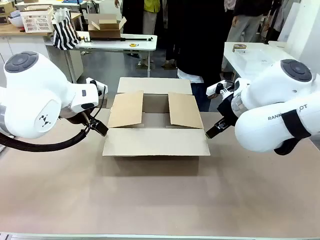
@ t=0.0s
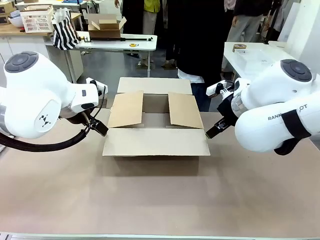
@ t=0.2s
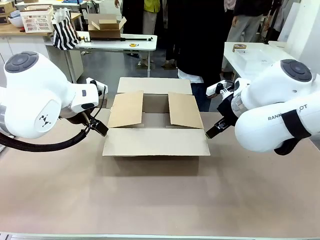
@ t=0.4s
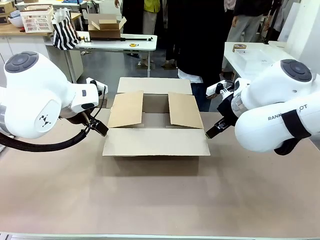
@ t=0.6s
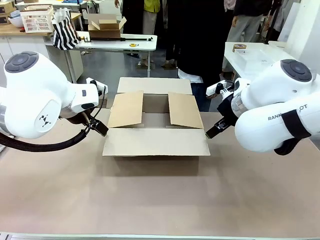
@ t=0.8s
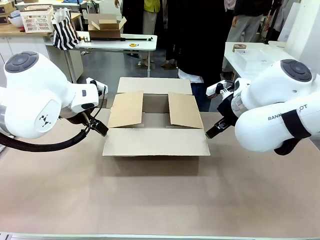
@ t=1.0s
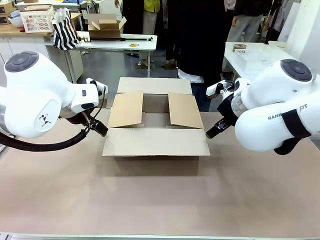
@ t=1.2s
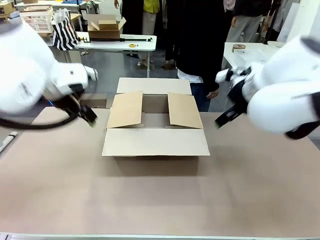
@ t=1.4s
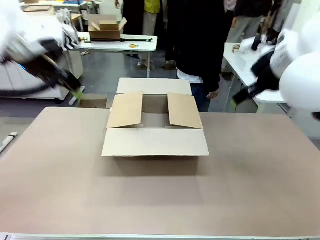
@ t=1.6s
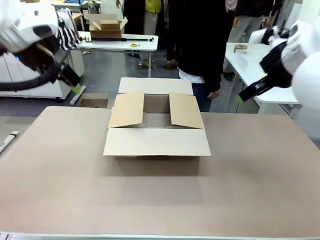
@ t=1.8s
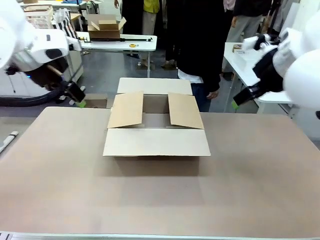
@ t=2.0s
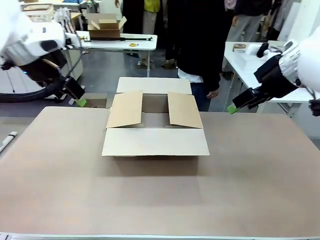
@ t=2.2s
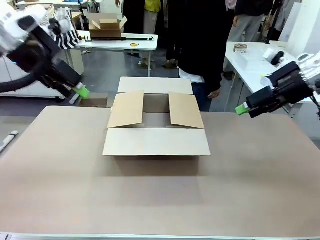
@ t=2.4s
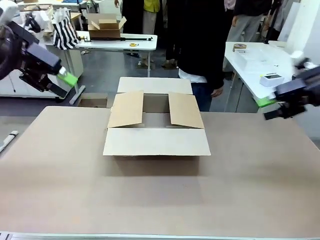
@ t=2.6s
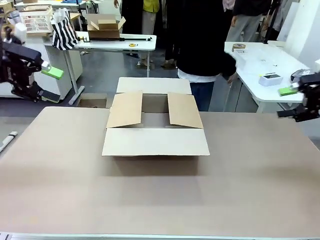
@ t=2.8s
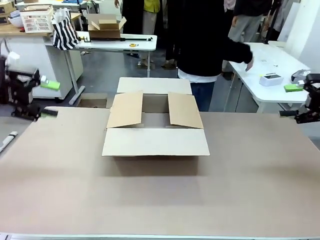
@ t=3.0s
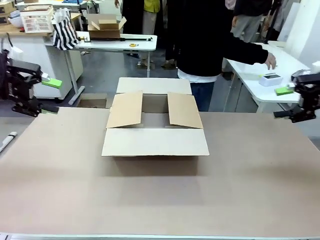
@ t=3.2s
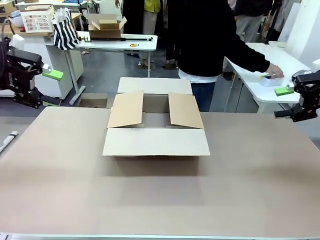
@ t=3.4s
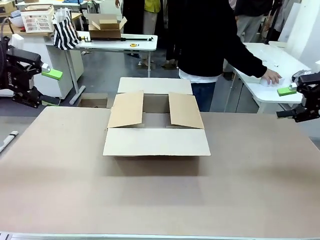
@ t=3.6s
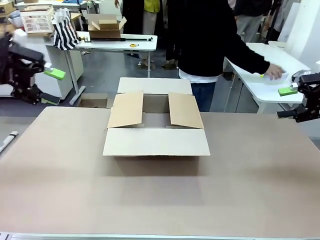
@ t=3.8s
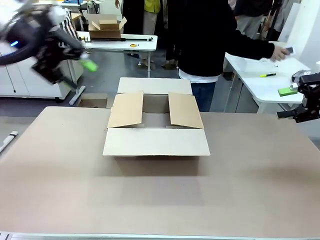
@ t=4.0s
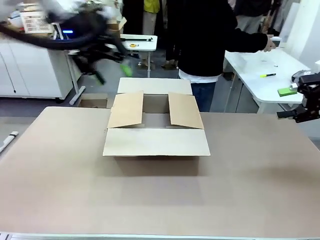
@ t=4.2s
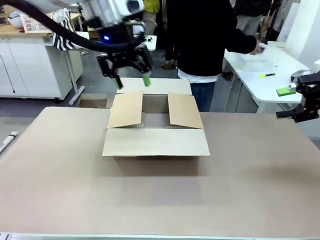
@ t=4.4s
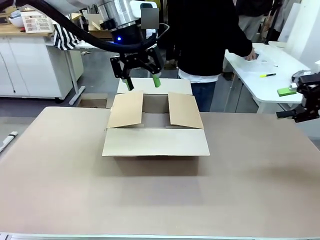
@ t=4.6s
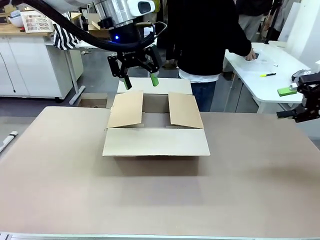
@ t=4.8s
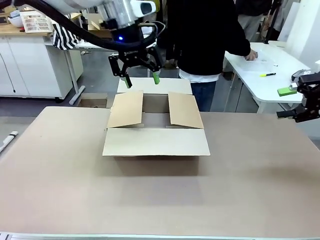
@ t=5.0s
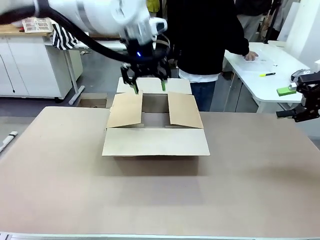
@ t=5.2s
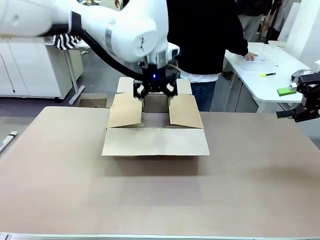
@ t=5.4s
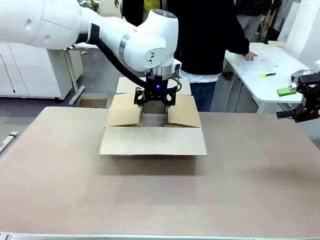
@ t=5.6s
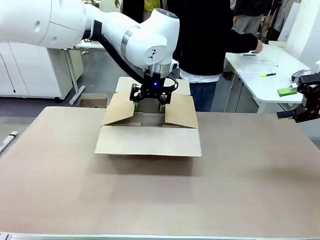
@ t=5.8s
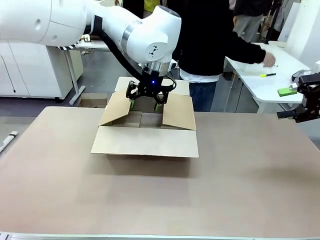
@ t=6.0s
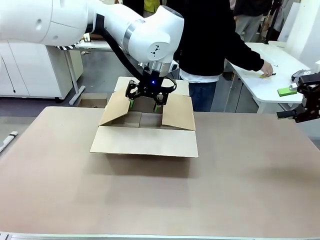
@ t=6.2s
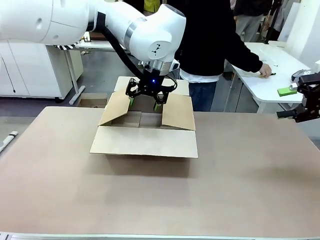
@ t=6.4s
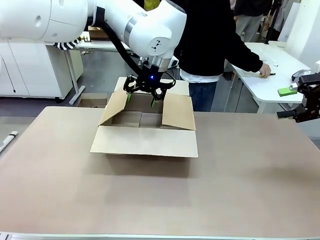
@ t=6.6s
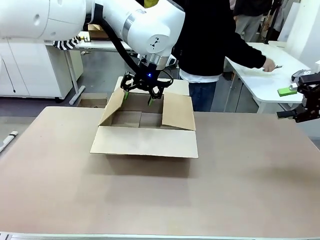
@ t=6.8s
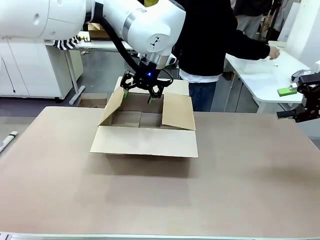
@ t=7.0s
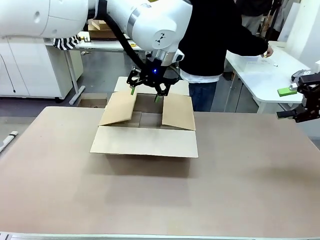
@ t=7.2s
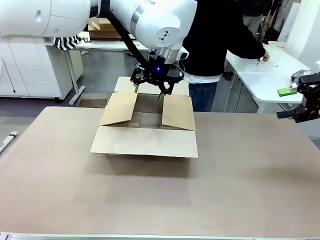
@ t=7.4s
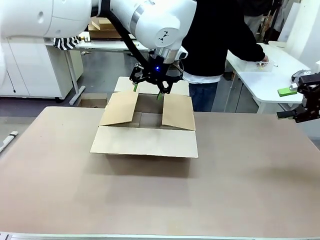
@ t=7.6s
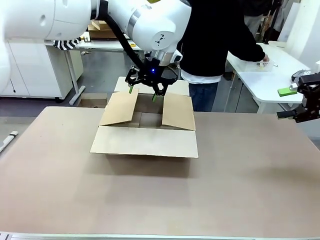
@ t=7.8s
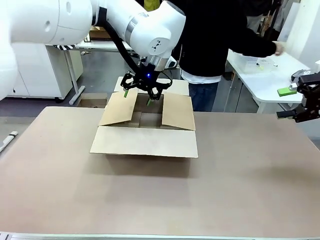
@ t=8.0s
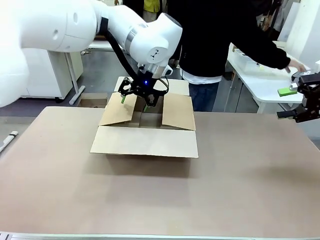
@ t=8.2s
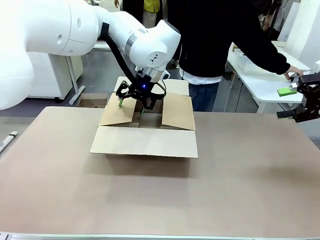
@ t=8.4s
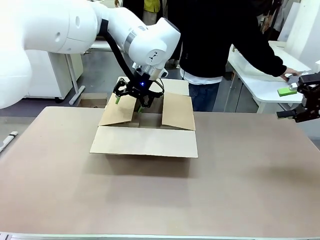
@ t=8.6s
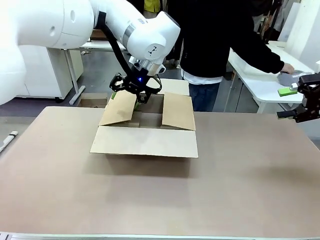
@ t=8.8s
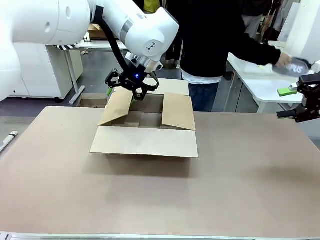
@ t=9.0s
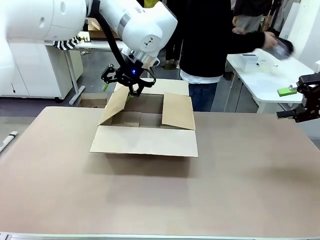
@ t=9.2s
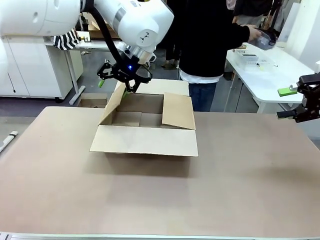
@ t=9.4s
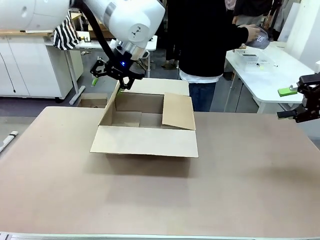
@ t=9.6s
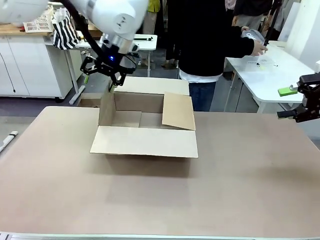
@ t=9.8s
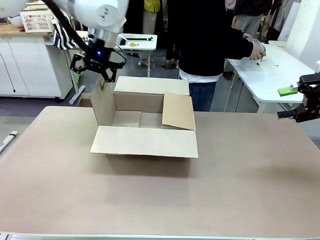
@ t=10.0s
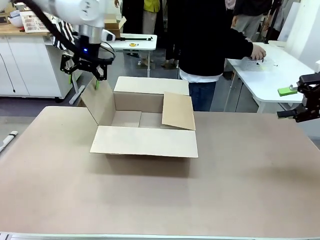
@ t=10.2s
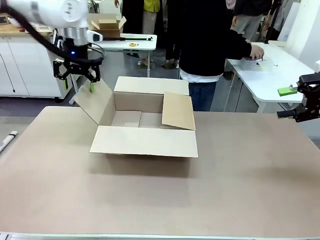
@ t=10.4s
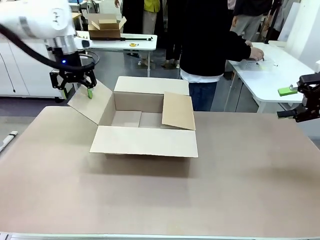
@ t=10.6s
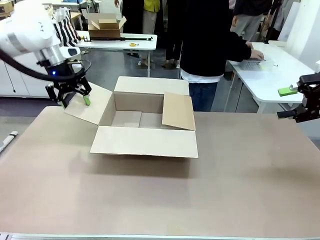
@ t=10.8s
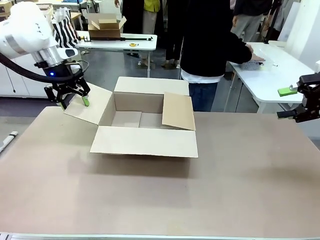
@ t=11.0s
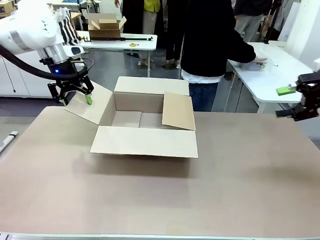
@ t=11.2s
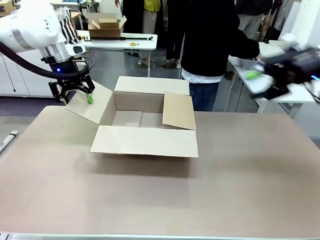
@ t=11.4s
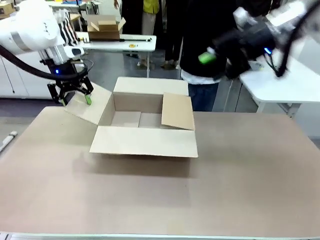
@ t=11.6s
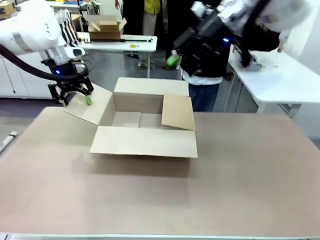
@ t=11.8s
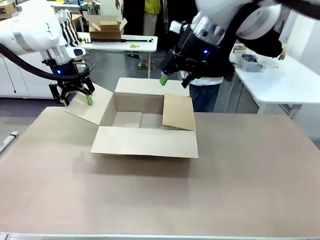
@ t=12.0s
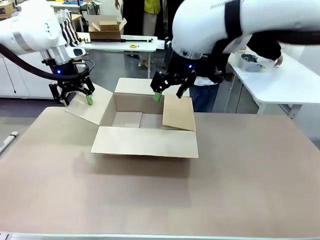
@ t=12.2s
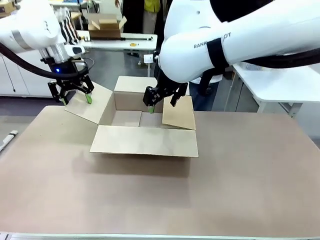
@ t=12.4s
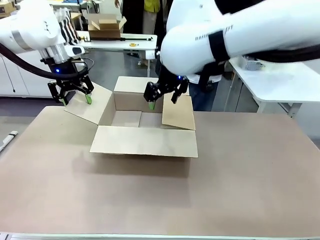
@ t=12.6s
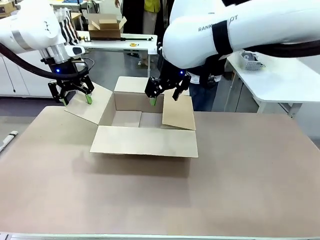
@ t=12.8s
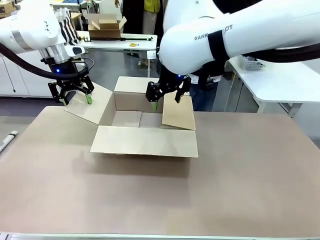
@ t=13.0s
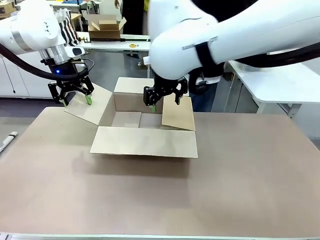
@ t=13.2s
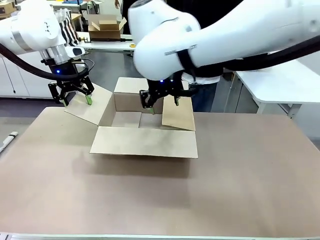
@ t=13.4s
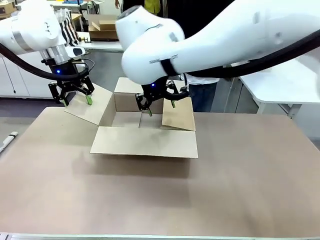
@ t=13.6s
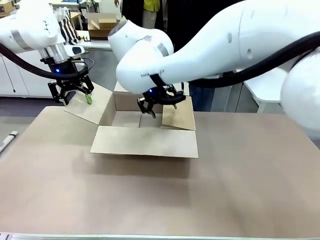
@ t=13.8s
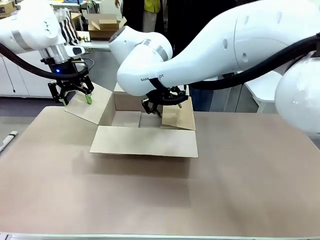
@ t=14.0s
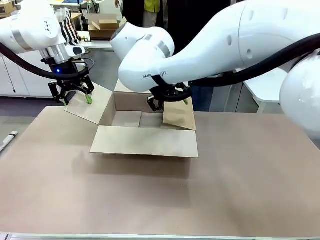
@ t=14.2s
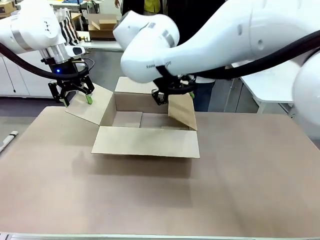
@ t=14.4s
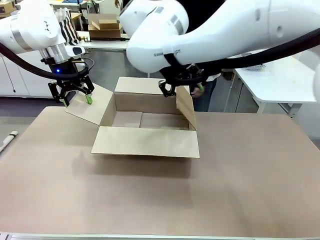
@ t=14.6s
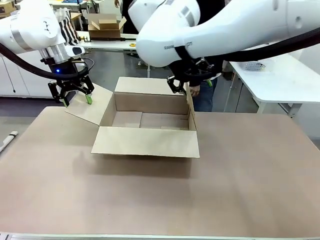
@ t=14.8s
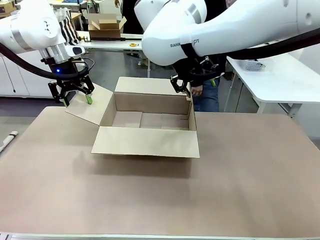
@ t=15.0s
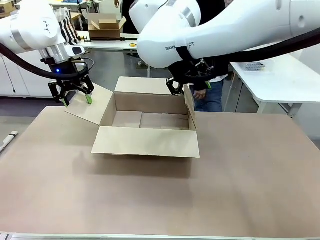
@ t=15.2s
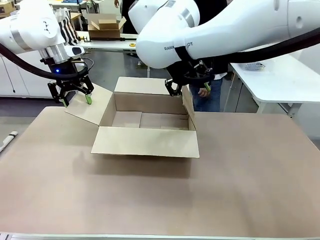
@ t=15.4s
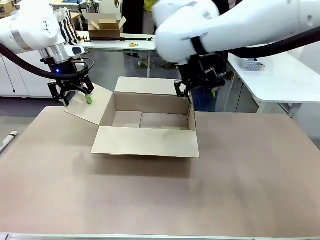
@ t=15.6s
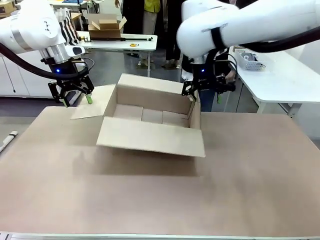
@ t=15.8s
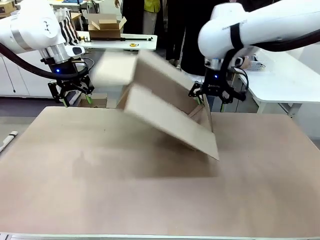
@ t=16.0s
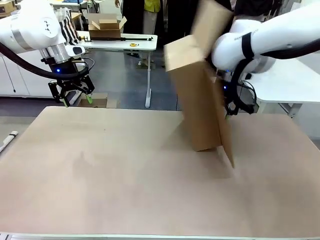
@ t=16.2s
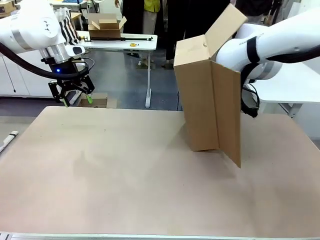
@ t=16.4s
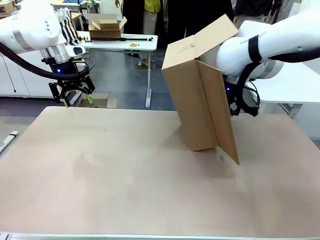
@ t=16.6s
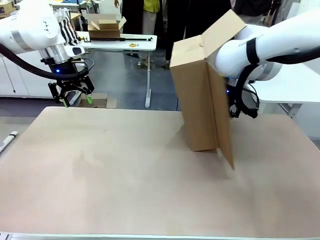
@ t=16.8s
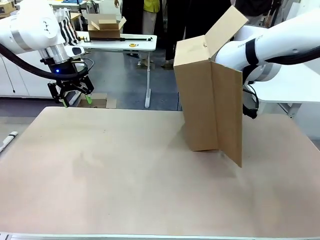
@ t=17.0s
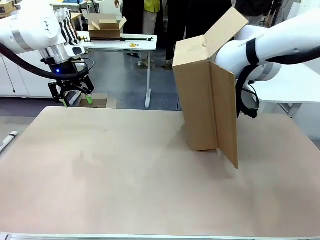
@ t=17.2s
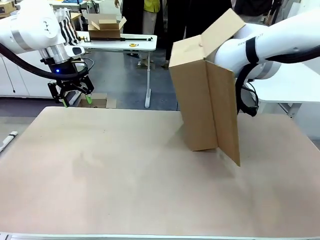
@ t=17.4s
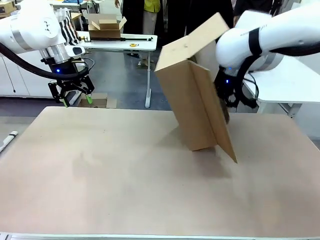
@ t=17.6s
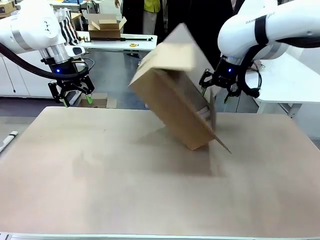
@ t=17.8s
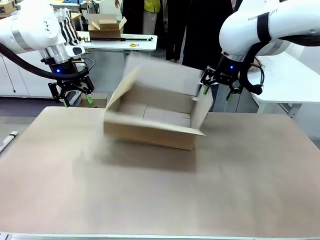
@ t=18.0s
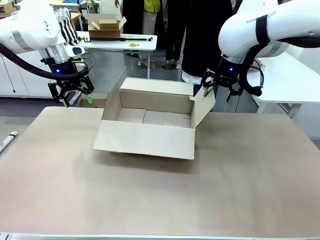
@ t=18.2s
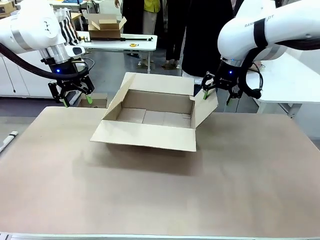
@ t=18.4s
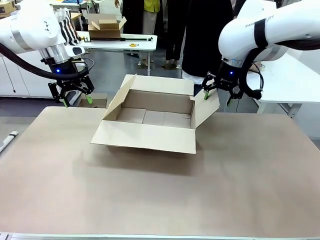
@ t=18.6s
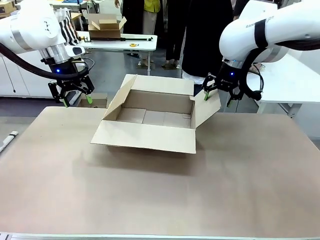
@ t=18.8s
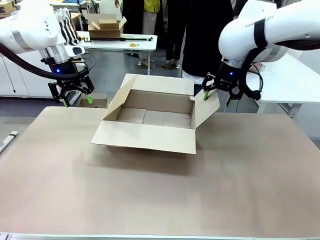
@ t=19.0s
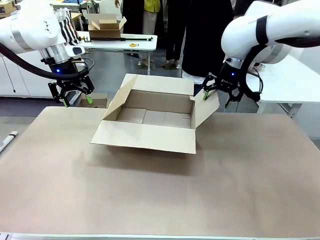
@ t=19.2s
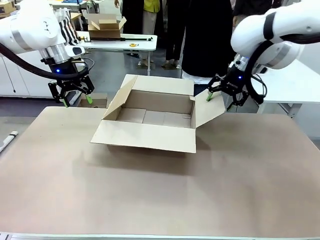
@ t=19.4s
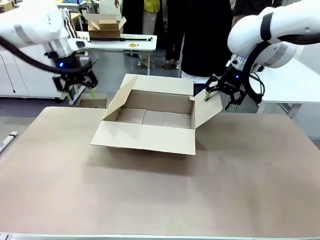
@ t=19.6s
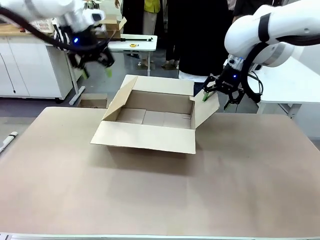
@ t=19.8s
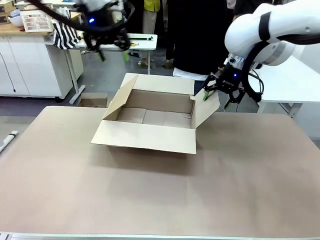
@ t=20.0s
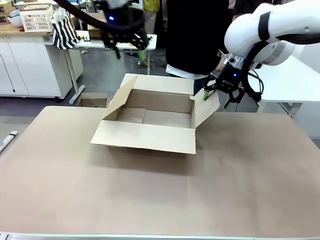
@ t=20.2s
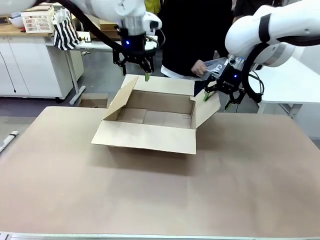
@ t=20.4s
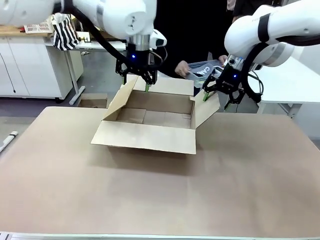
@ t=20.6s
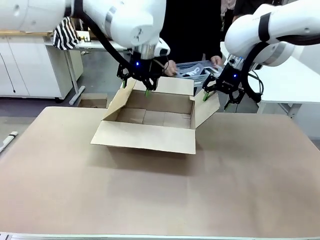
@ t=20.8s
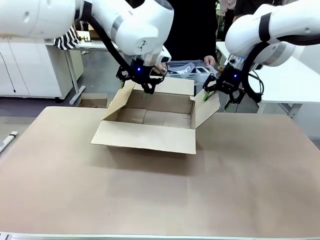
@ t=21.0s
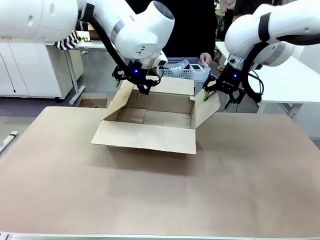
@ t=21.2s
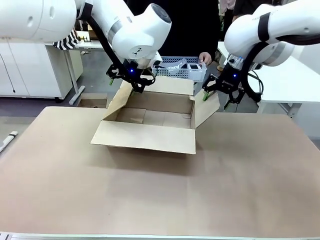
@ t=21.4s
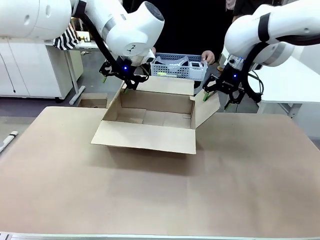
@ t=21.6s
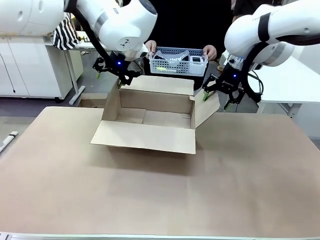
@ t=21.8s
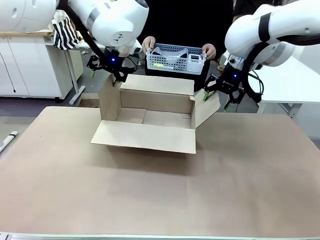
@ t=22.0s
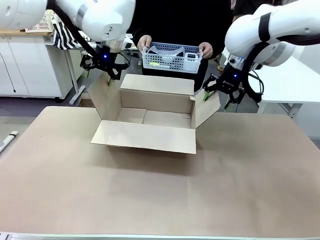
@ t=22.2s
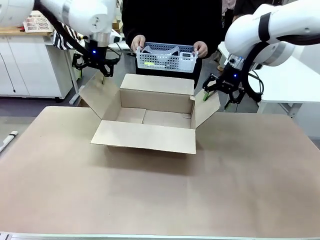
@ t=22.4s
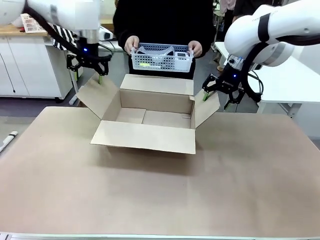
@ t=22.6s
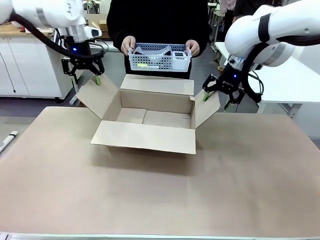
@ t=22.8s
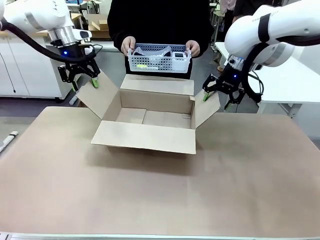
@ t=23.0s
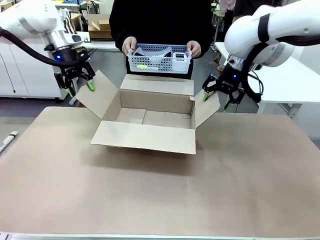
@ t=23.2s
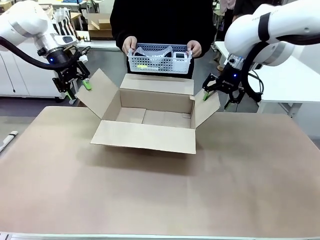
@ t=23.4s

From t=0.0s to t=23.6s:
Task: Pack the gift set into the box.
Robot: Place both hands on the side flaps of the Package Box and spread them outward.
Person: The human places all items except the paper tape into the organizing basket. The human picks up the organizing basket and places the organizing basket into the package box on the robot table.
